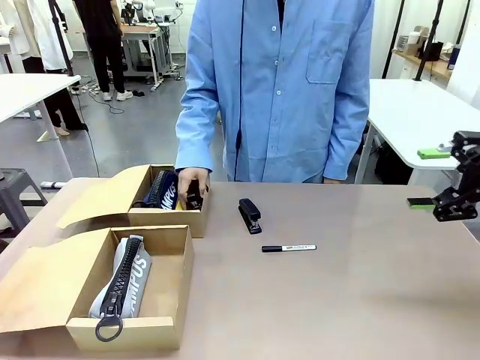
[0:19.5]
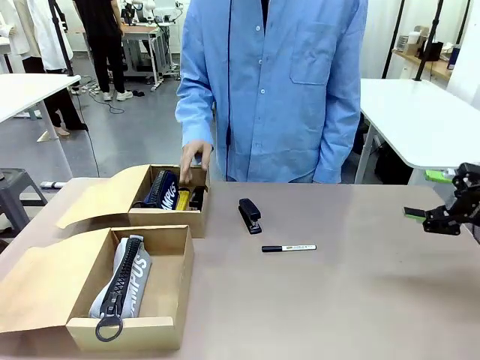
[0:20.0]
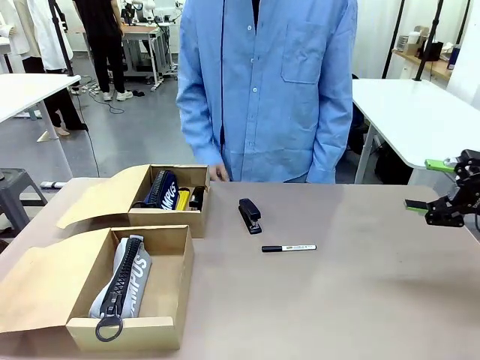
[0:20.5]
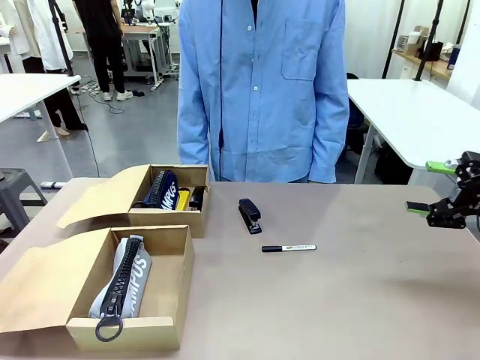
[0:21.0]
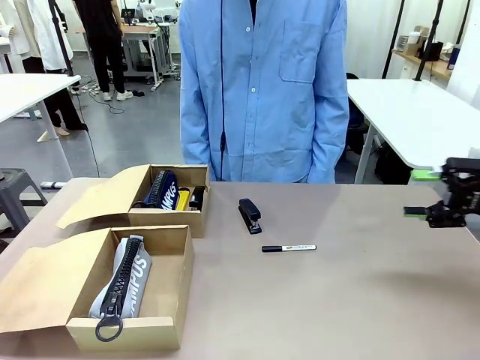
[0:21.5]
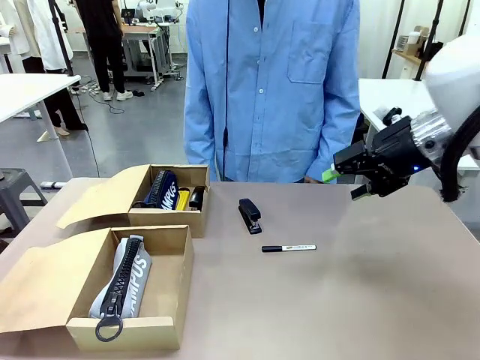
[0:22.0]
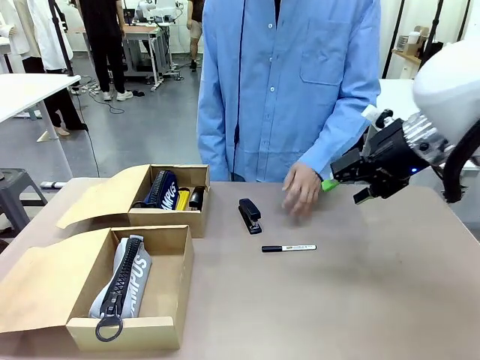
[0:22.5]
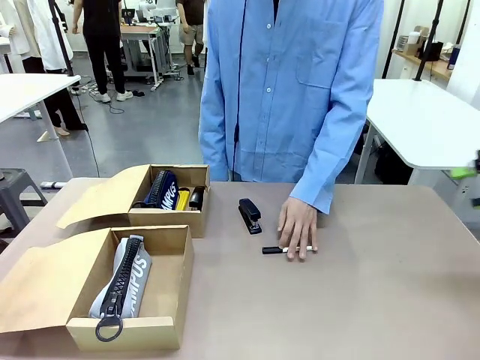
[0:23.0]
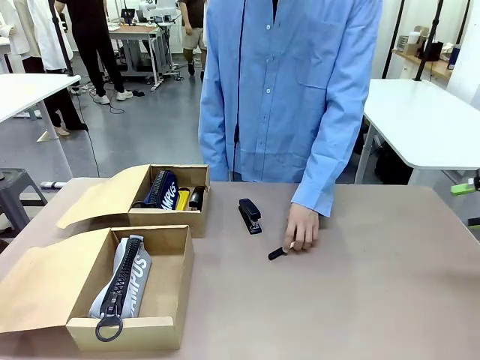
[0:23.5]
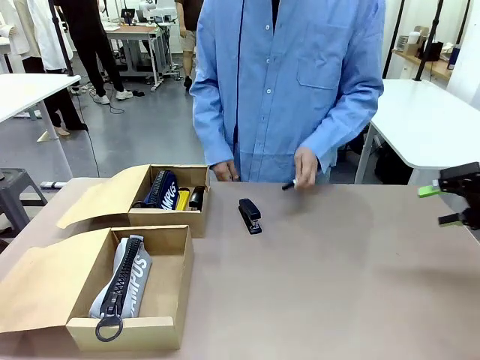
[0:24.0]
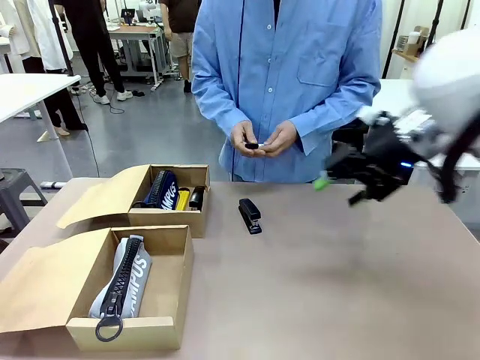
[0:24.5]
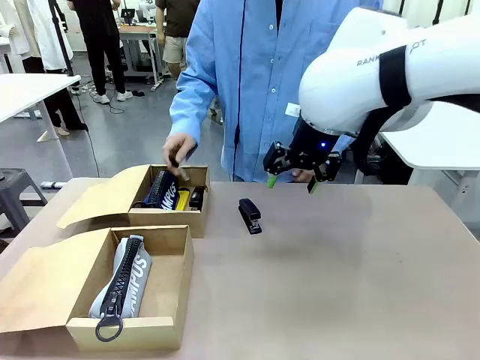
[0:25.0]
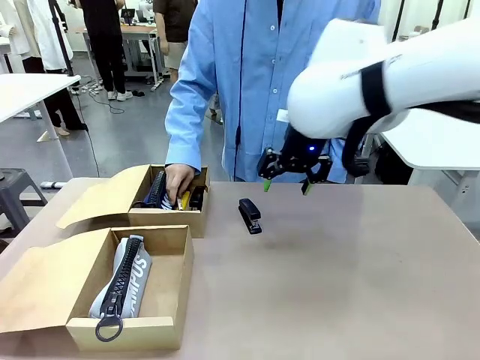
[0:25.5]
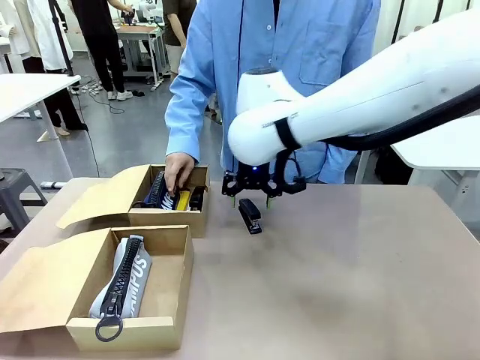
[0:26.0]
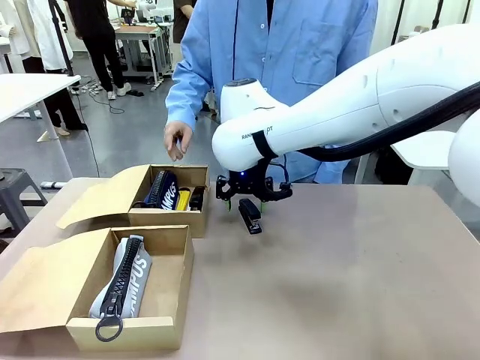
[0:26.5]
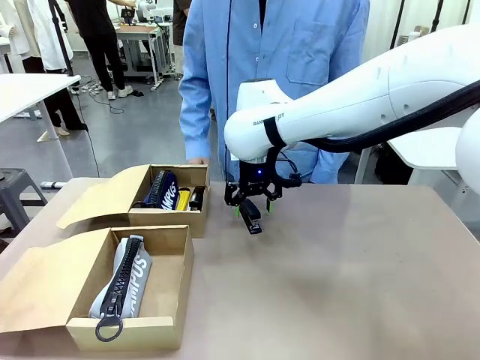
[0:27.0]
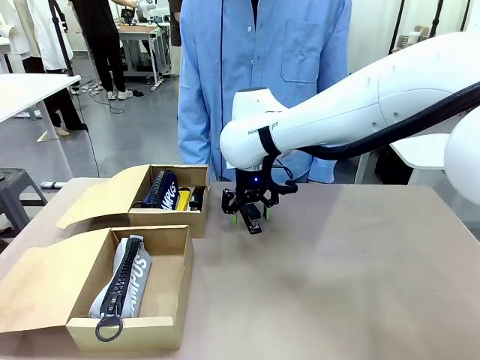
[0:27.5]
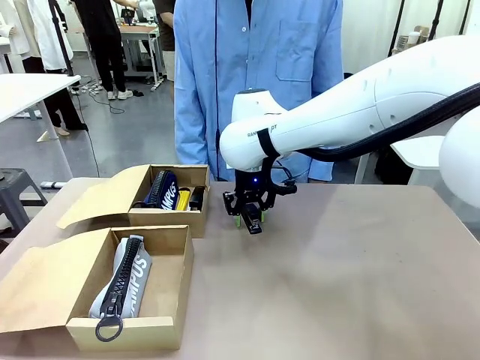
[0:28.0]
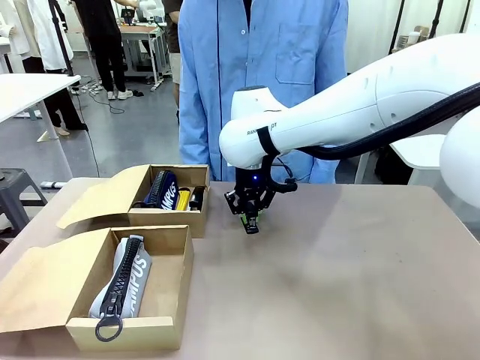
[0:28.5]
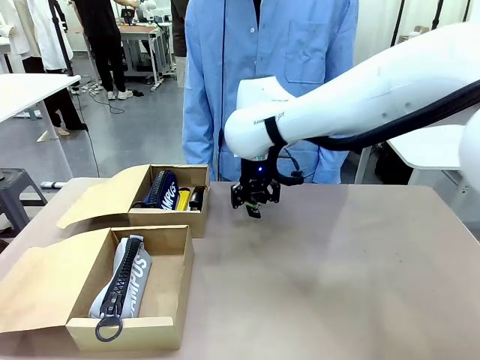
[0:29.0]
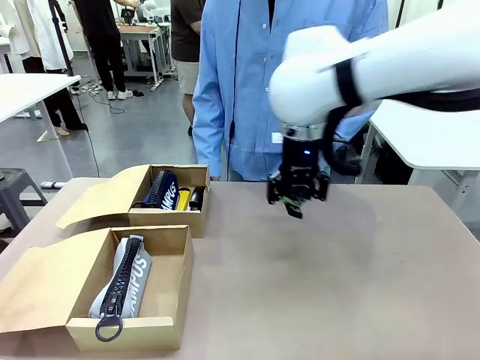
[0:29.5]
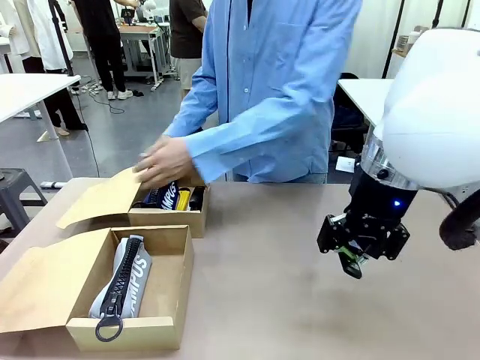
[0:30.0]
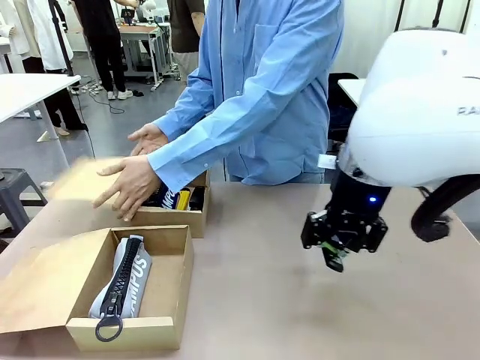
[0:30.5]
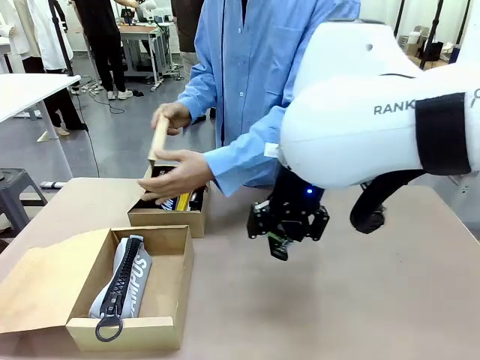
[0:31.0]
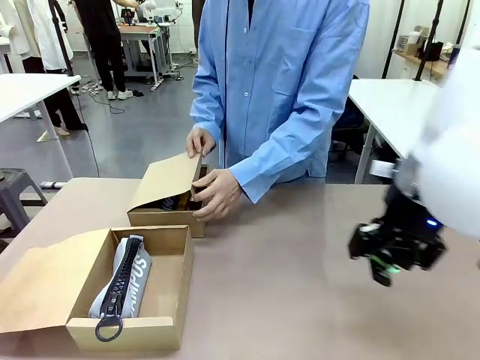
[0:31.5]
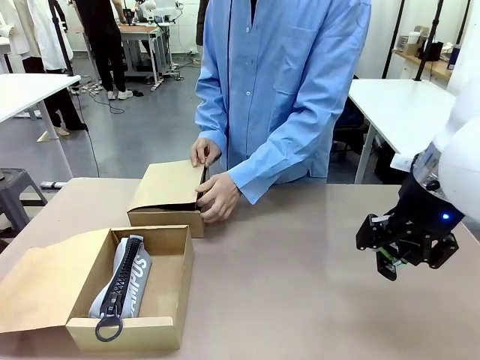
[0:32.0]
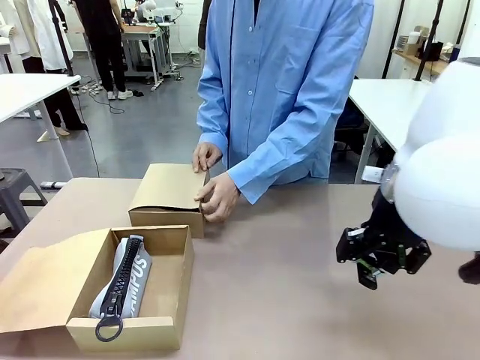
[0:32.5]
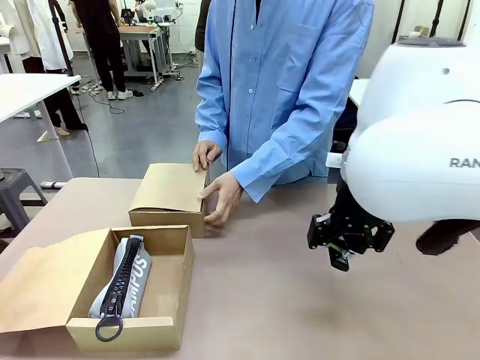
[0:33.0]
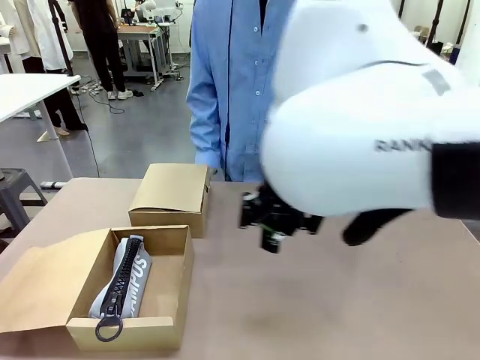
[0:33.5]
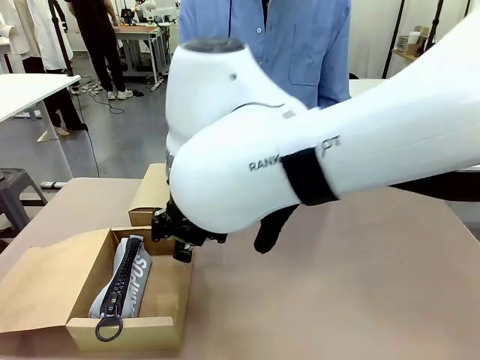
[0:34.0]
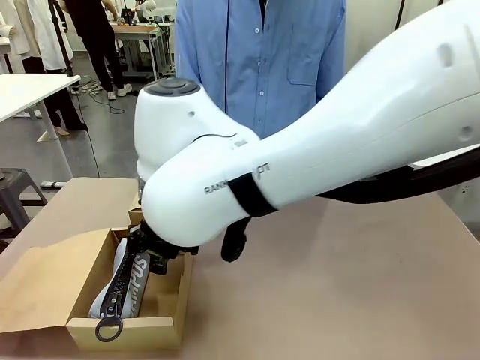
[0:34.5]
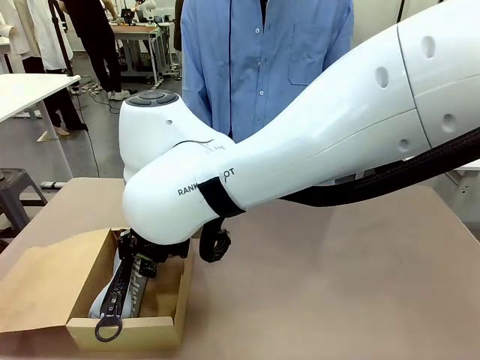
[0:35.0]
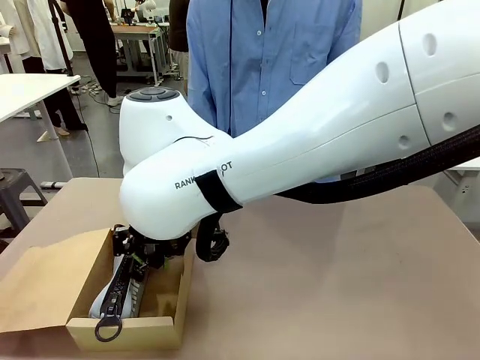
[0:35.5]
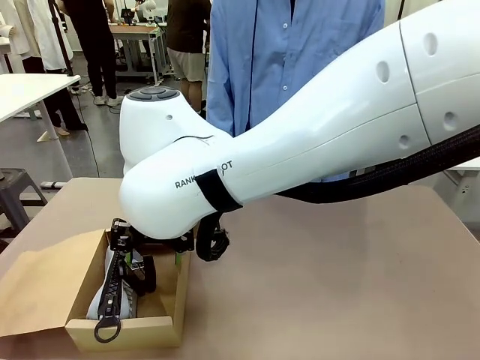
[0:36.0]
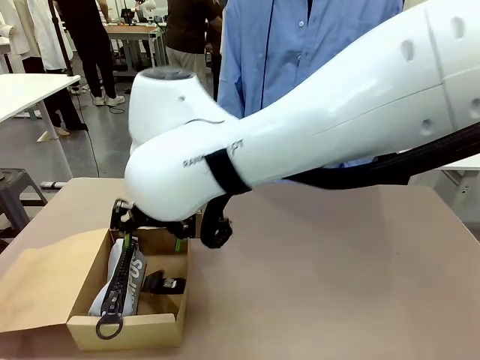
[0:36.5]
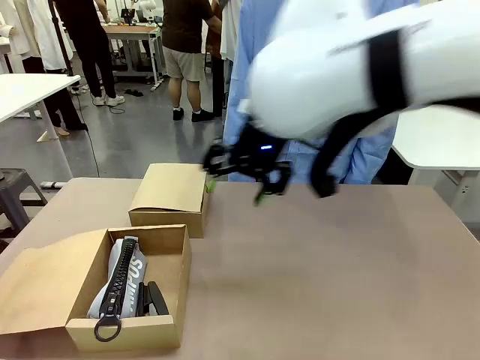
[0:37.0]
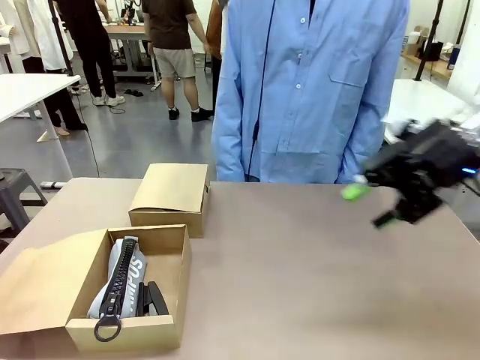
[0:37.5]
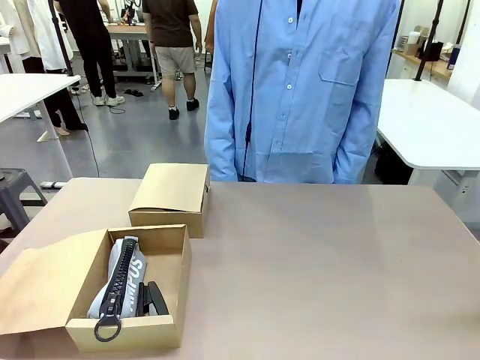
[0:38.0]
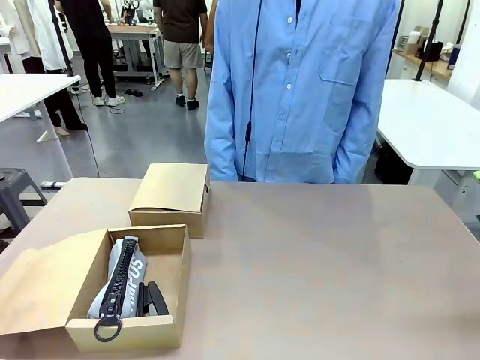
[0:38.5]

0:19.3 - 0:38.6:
Task: Place items inside the box.
Robot: Pick up a Pencil pouch or Stapler and place it inside the Mailer Box closest to the robot.
